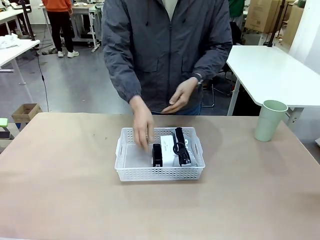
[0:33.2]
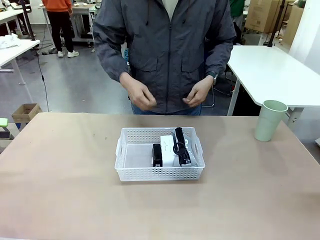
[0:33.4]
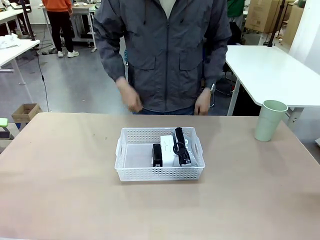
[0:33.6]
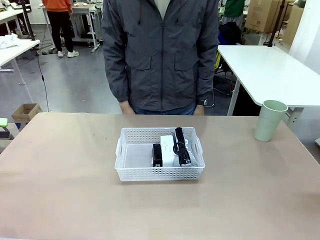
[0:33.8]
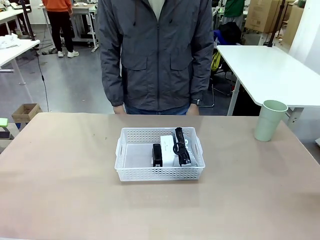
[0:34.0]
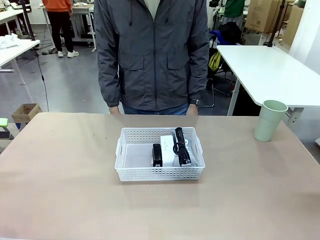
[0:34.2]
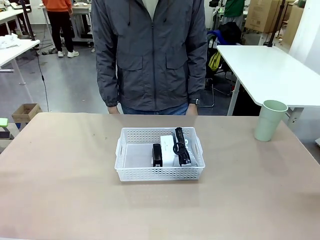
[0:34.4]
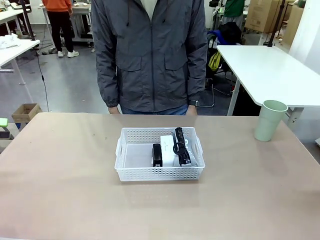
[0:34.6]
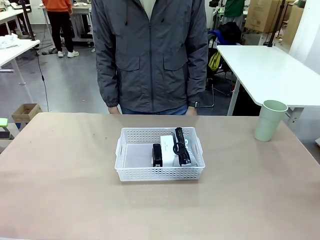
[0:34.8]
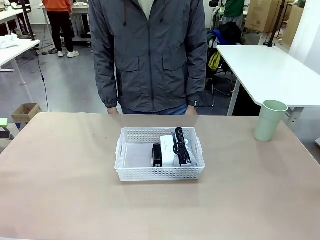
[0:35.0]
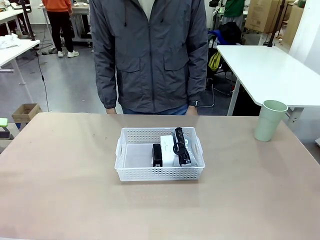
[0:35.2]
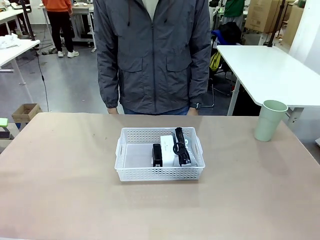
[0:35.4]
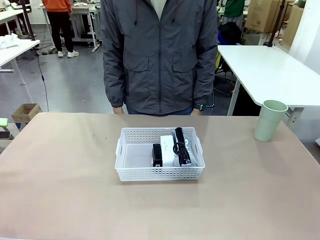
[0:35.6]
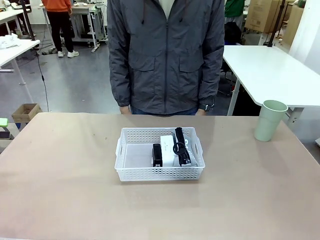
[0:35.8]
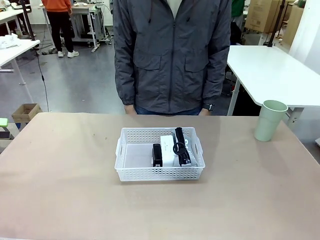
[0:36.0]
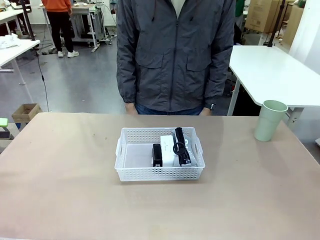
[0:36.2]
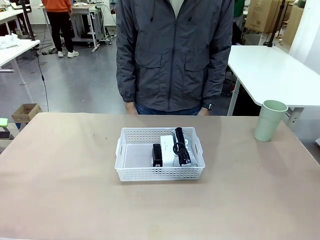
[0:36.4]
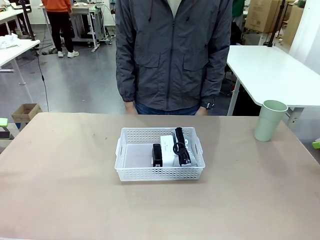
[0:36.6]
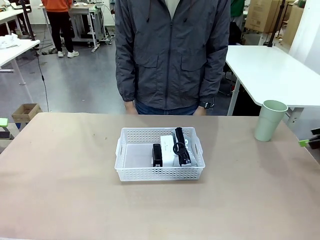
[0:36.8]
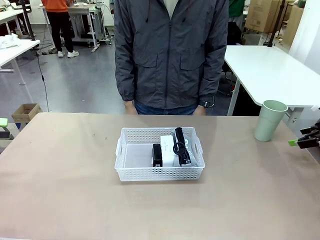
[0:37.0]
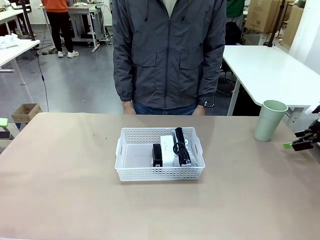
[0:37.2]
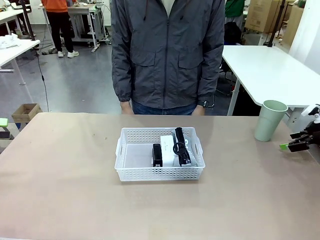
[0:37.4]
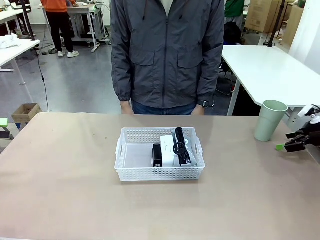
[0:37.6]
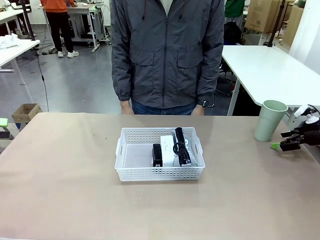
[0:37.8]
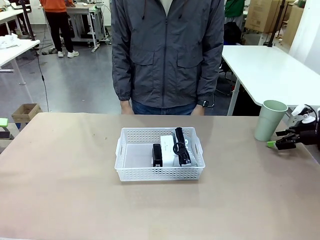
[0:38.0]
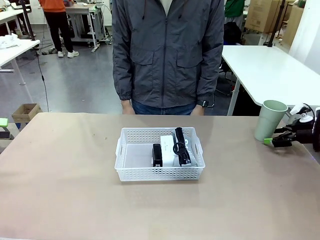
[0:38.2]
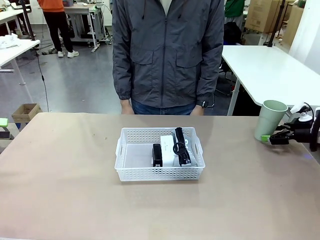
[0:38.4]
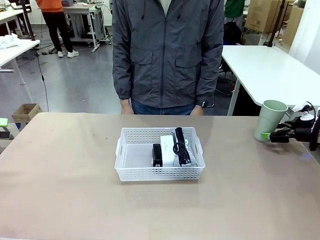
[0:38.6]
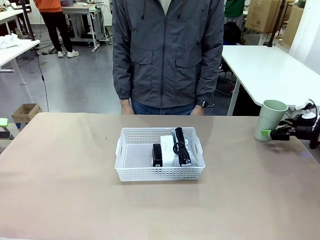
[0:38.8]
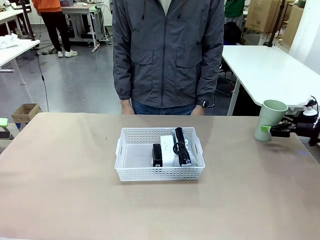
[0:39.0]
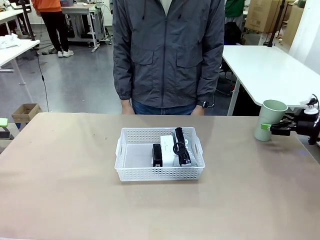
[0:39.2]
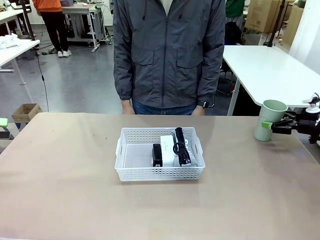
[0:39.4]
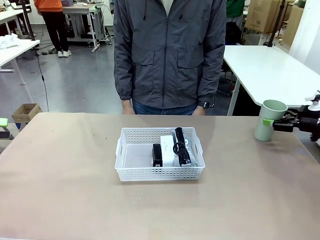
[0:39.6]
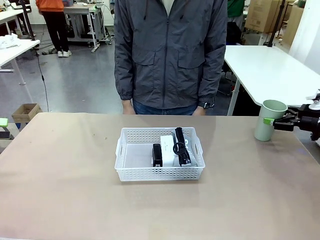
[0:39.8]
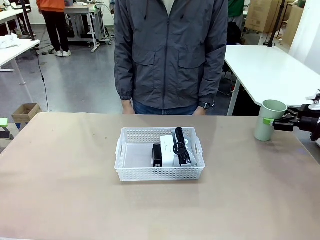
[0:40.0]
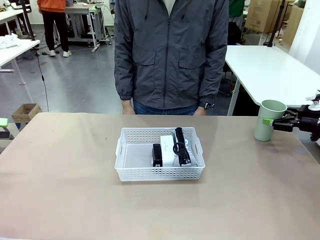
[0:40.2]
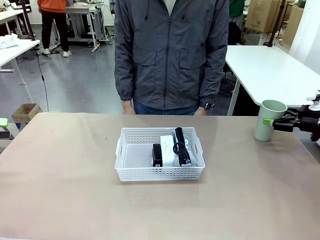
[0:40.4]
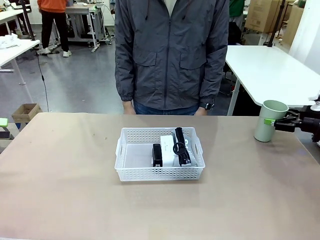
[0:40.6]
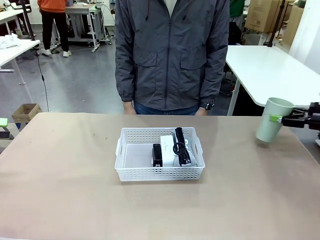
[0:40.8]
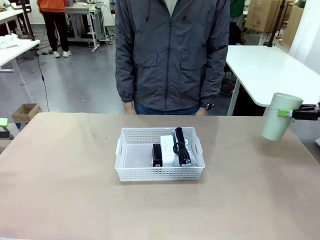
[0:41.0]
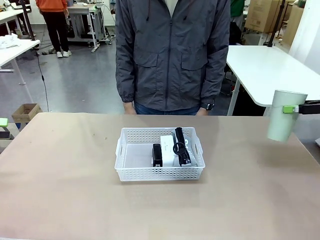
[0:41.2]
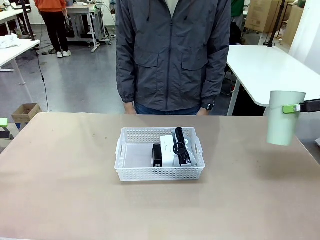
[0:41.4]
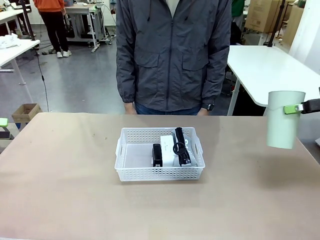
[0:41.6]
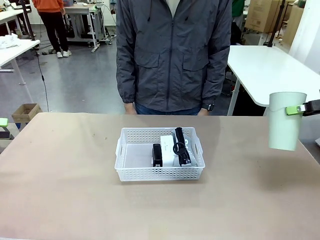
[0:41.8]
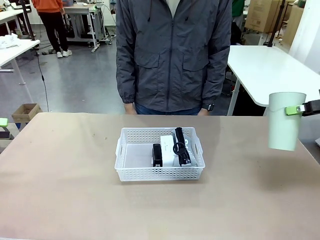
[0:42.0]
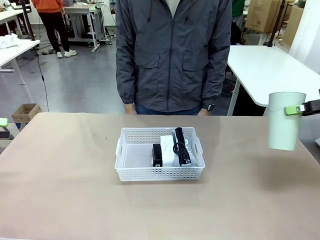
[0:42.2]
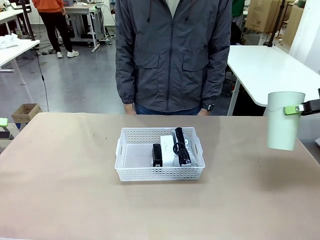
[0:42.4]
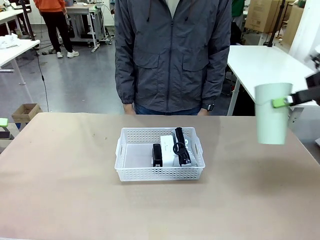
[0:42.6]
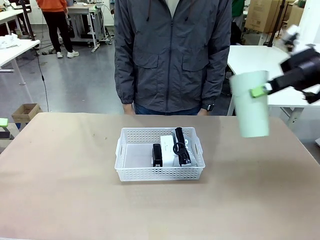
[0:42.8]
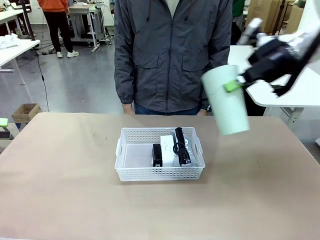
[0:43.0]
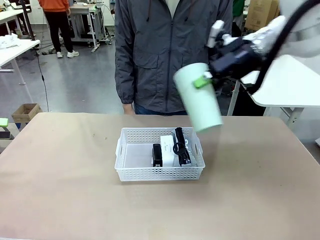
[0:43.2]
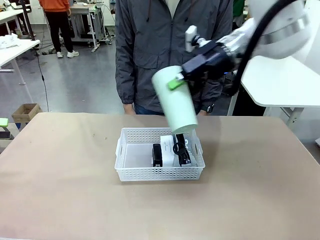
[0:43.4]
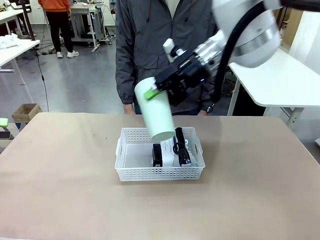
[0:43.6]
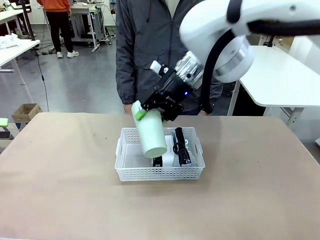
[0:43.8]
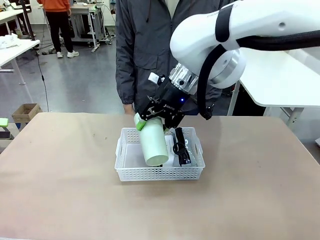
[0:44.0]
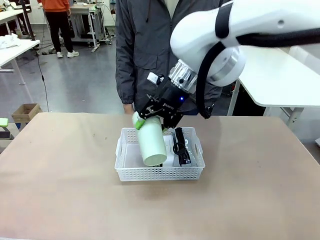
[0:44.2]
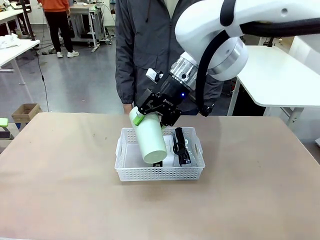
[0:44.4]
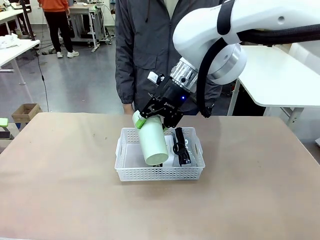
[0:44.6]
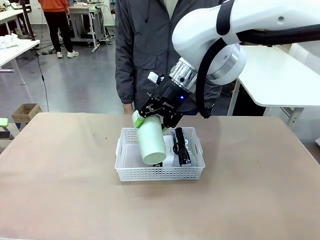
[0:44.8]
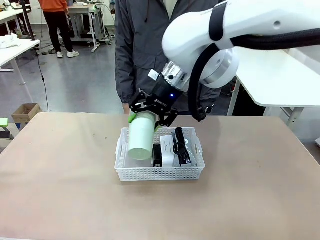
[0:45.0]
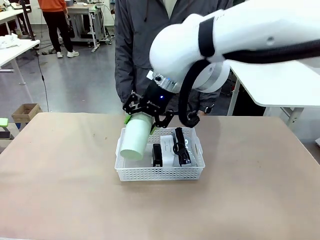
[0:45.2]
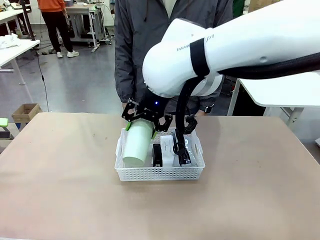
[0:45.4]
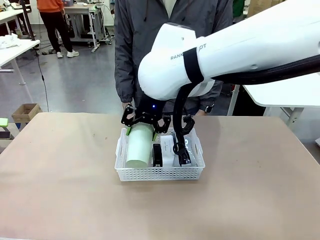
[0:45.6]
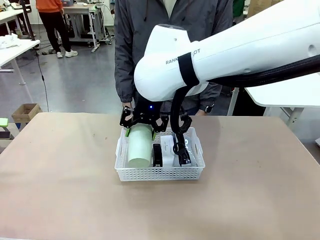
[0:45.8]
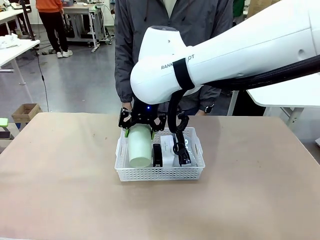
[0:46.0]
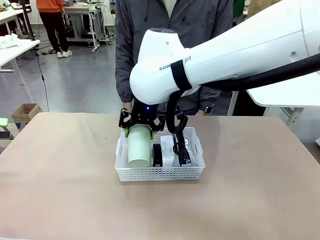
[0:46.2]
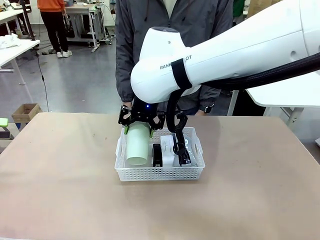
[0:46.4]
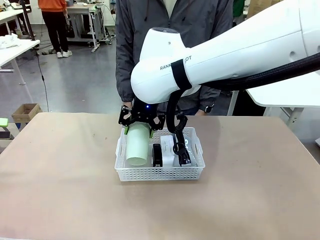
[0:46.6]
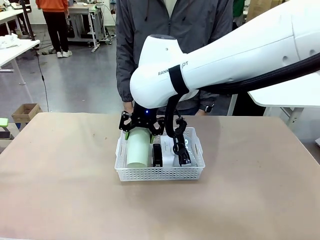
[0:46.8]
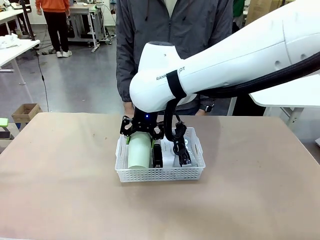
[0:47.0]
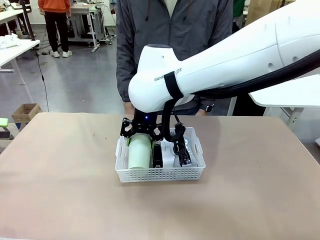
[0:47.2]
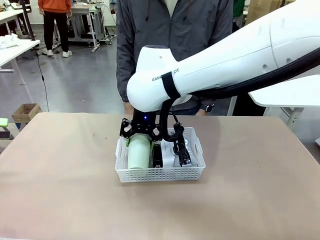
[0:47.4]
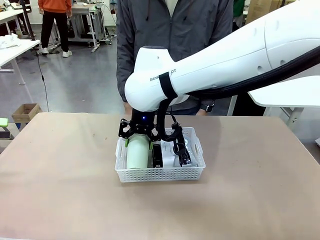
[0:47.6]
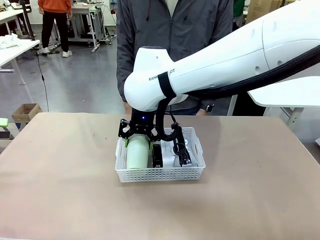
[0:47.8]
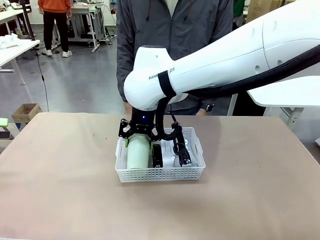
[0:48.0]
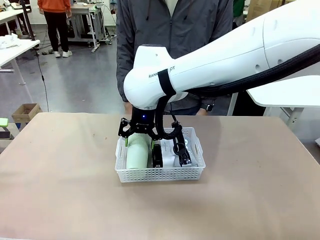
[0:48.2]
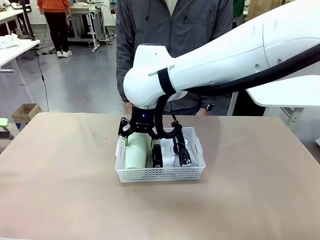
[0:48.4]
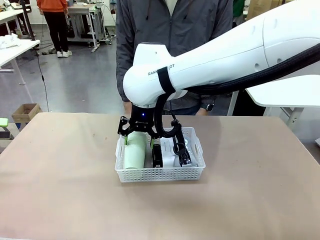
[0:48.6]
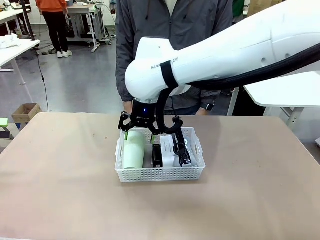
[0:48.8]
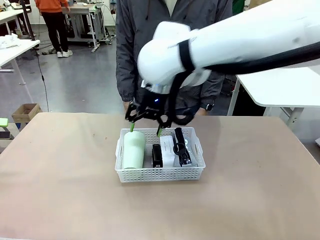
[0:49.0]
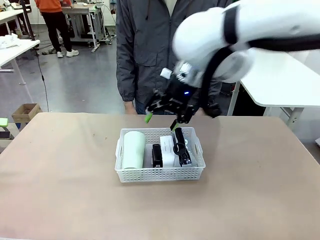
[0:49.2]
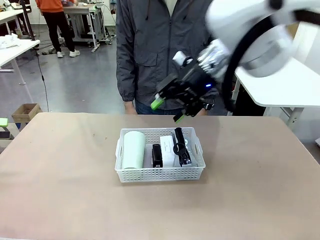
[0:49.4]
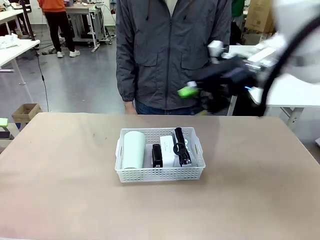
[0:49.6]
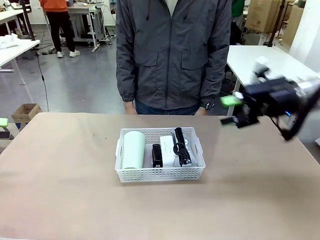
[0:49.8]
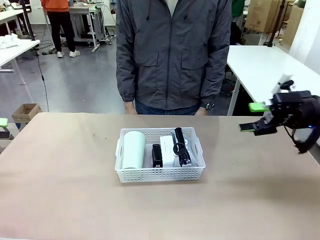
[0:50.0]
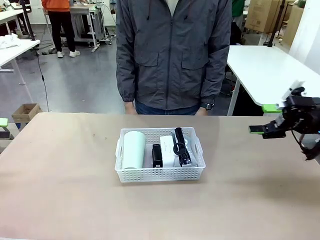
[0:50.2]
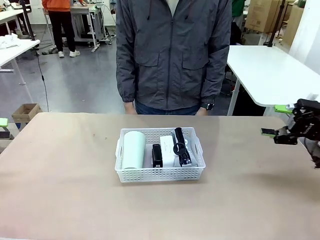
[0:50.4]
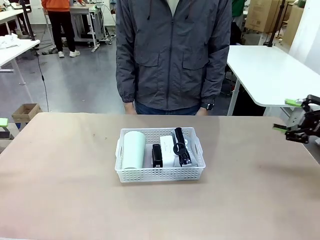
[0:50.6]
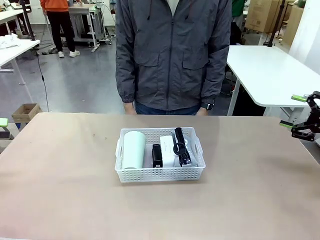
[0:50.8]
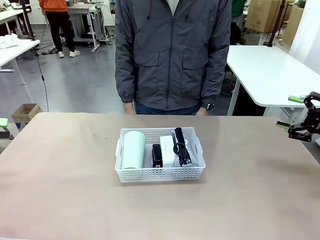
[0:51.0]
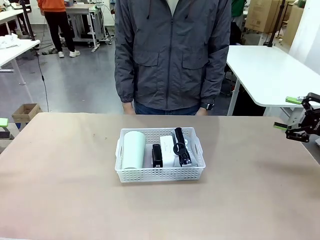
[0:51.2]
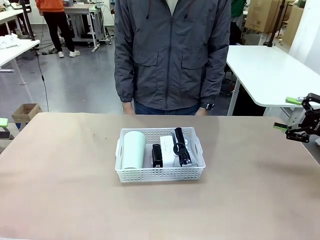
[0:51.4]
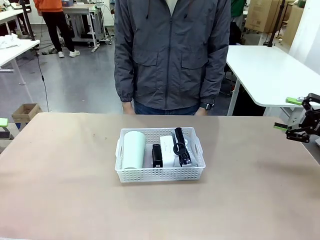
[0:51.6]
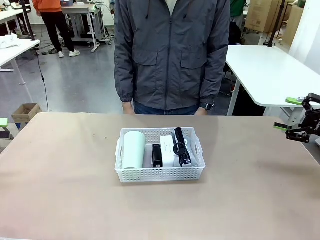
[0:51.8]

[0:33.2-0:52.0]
Task: Efficiently arrange items inside the basket to fit them all.
Robot: Pick up the Reusable plastic cup and place it inside the Organizing basket.
Person: Repositions the stapler.
